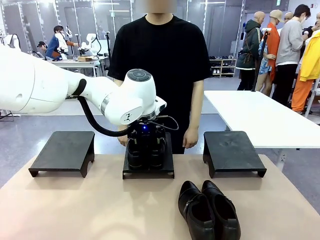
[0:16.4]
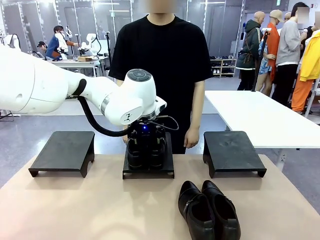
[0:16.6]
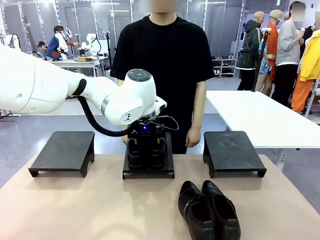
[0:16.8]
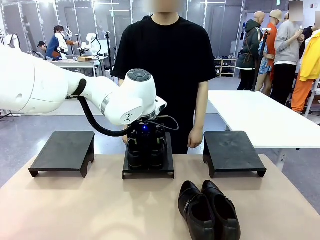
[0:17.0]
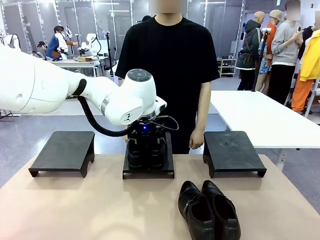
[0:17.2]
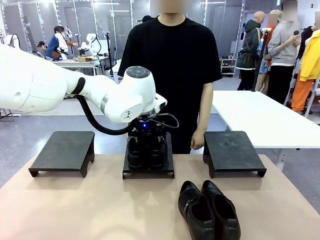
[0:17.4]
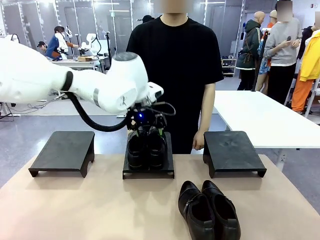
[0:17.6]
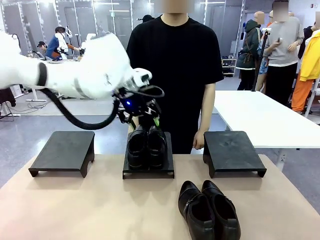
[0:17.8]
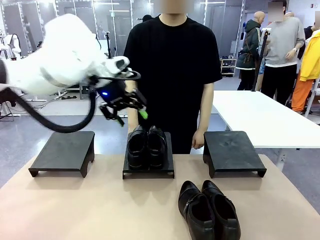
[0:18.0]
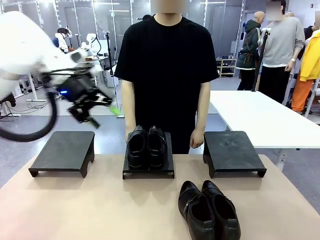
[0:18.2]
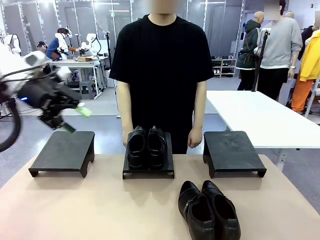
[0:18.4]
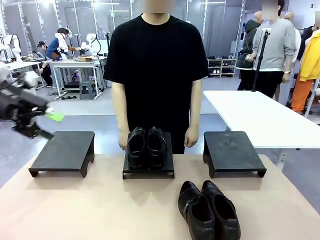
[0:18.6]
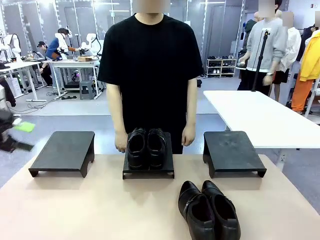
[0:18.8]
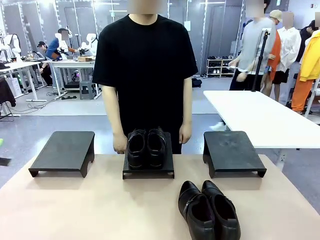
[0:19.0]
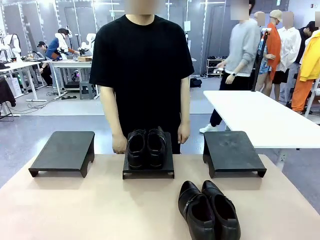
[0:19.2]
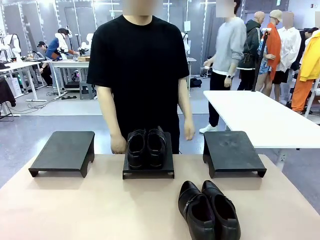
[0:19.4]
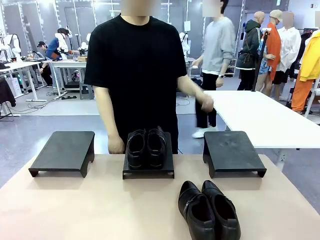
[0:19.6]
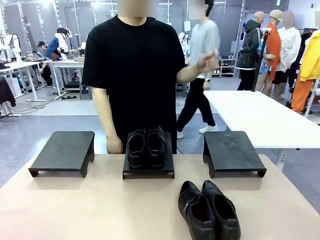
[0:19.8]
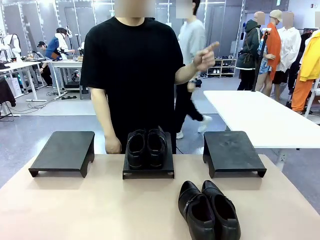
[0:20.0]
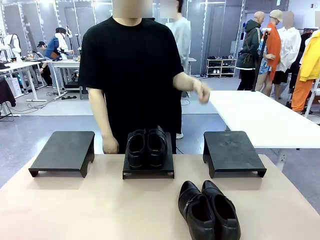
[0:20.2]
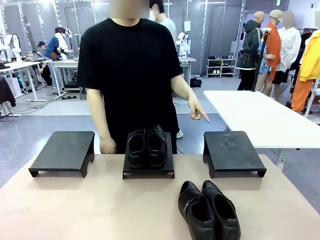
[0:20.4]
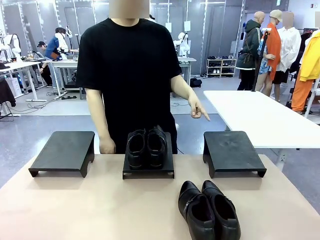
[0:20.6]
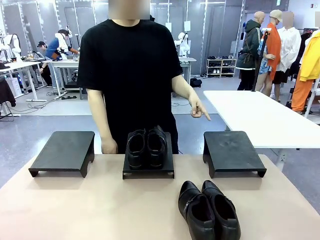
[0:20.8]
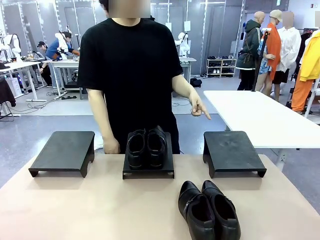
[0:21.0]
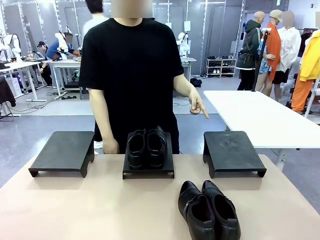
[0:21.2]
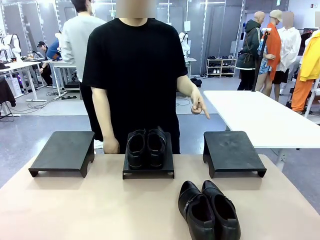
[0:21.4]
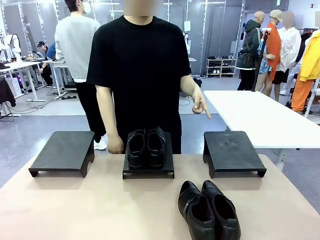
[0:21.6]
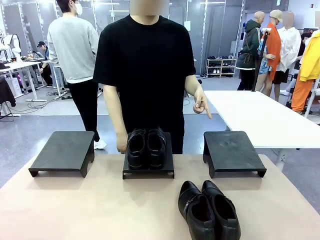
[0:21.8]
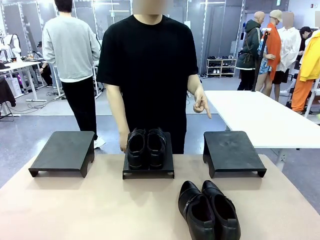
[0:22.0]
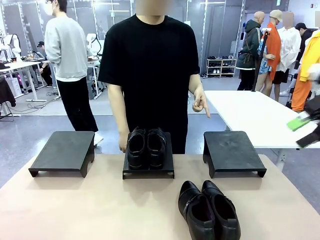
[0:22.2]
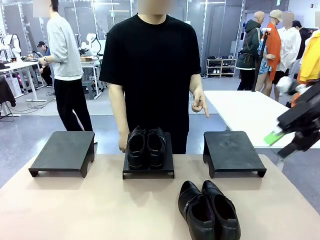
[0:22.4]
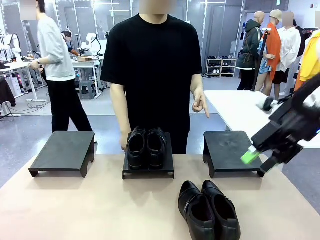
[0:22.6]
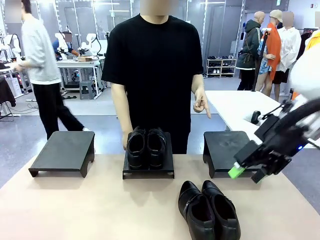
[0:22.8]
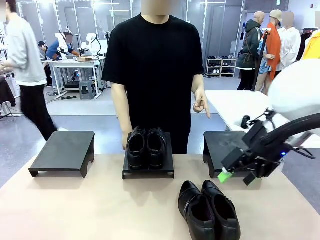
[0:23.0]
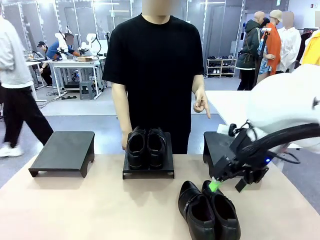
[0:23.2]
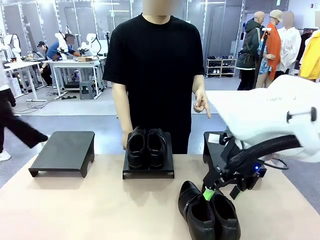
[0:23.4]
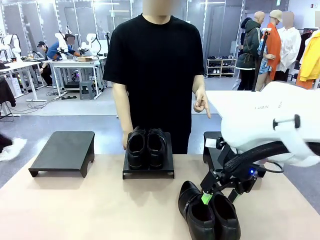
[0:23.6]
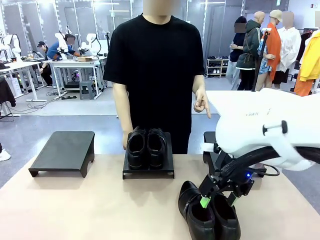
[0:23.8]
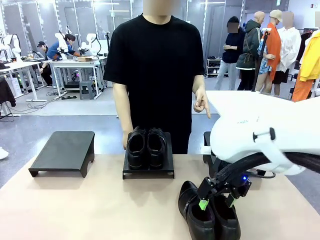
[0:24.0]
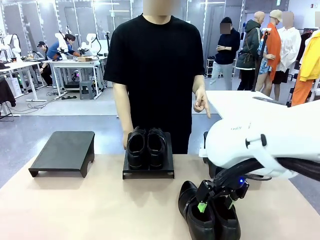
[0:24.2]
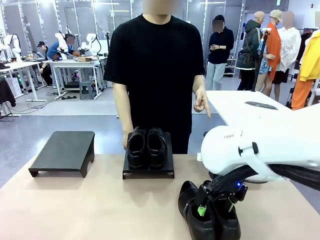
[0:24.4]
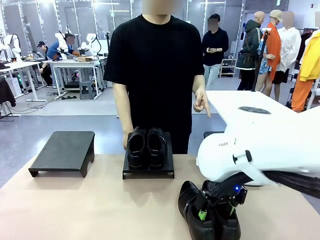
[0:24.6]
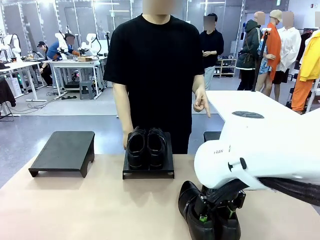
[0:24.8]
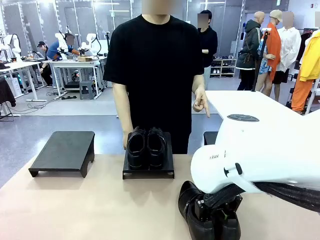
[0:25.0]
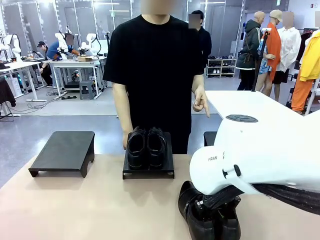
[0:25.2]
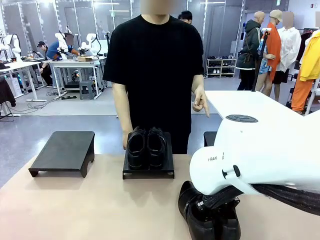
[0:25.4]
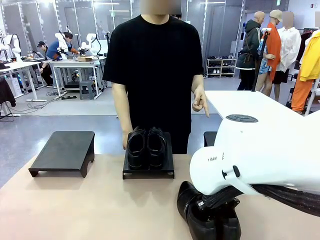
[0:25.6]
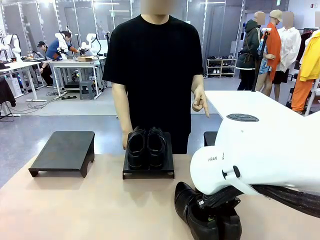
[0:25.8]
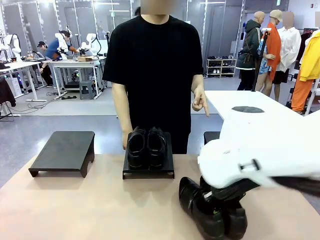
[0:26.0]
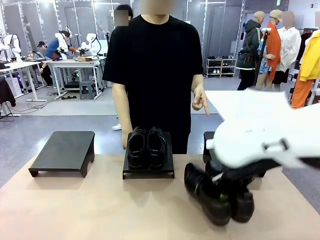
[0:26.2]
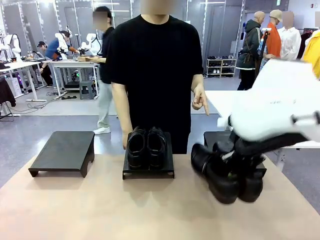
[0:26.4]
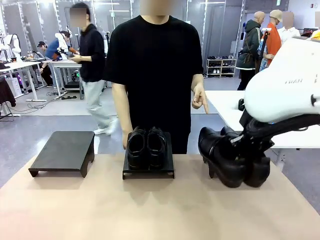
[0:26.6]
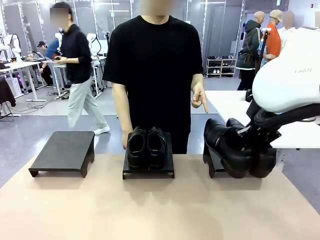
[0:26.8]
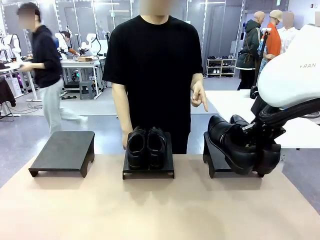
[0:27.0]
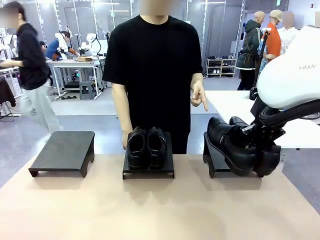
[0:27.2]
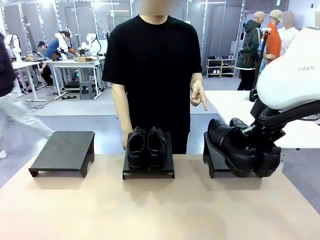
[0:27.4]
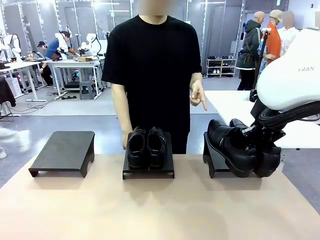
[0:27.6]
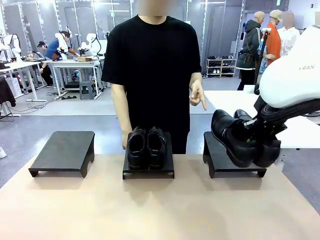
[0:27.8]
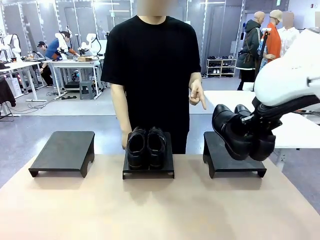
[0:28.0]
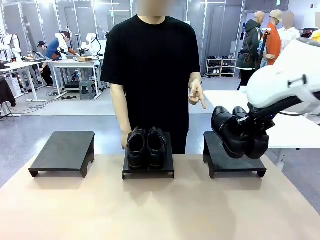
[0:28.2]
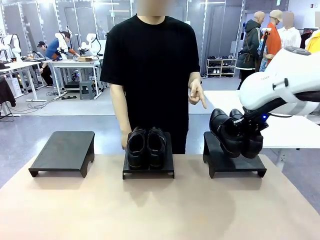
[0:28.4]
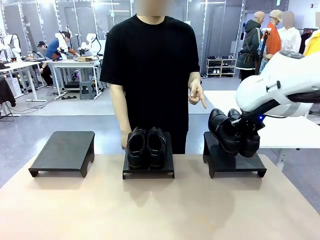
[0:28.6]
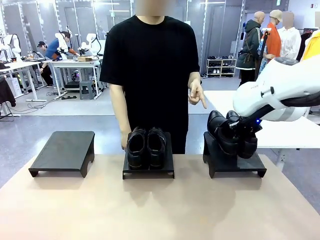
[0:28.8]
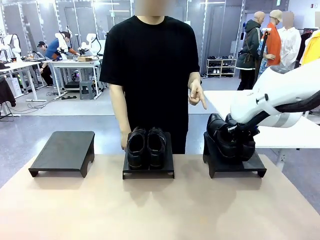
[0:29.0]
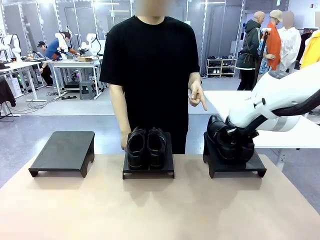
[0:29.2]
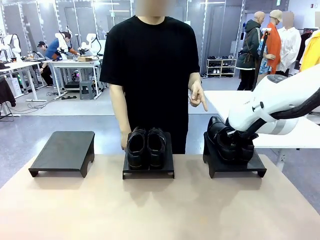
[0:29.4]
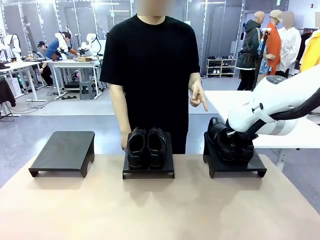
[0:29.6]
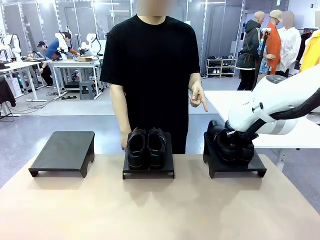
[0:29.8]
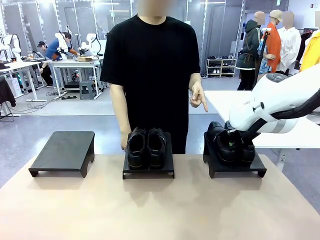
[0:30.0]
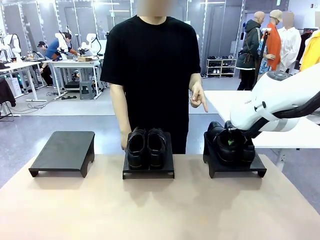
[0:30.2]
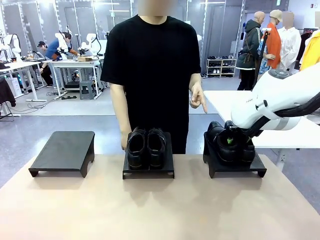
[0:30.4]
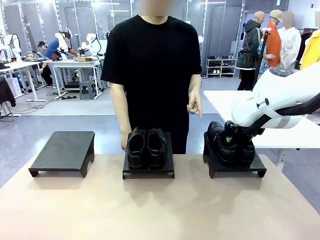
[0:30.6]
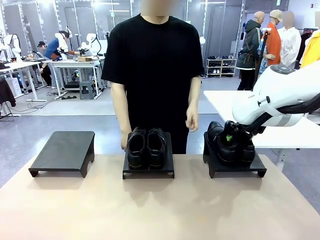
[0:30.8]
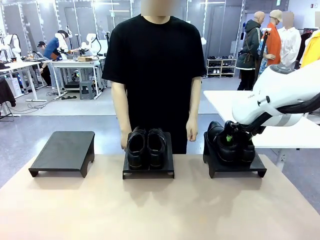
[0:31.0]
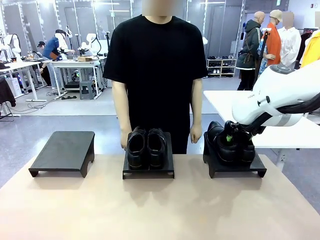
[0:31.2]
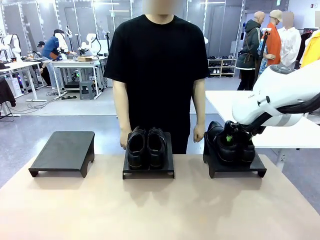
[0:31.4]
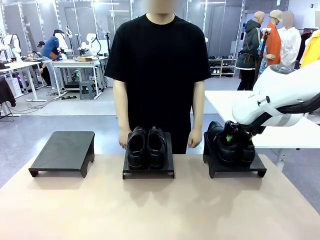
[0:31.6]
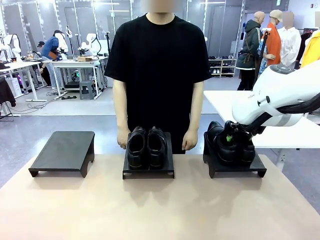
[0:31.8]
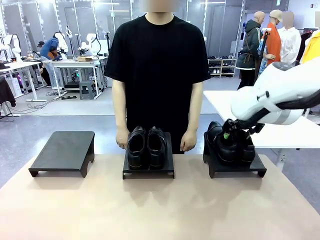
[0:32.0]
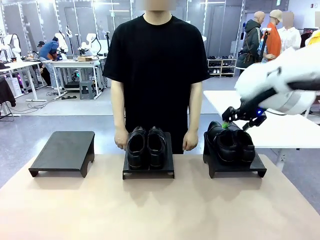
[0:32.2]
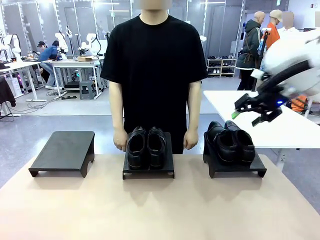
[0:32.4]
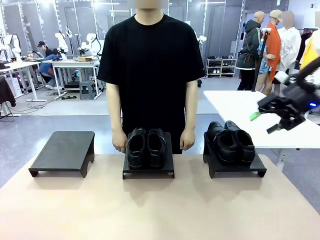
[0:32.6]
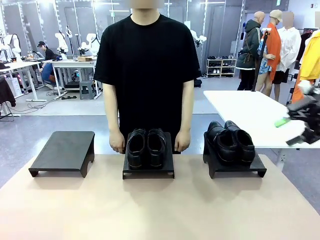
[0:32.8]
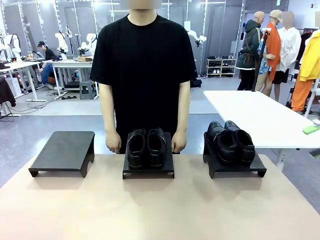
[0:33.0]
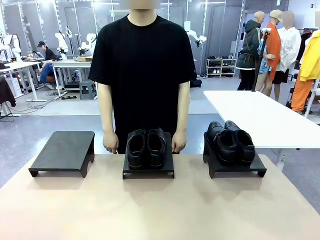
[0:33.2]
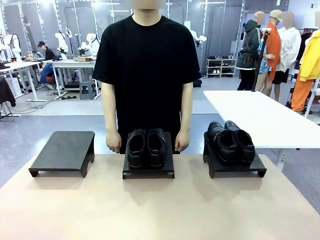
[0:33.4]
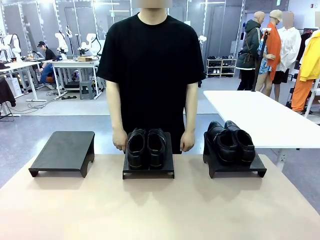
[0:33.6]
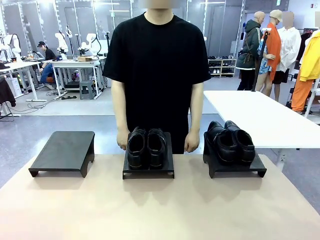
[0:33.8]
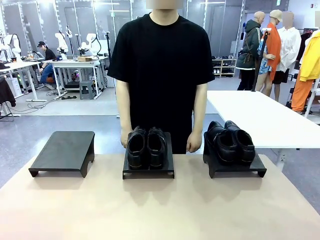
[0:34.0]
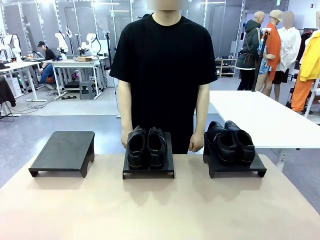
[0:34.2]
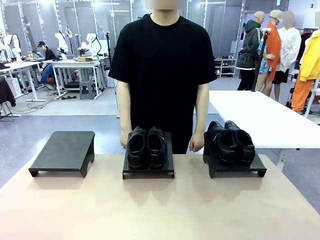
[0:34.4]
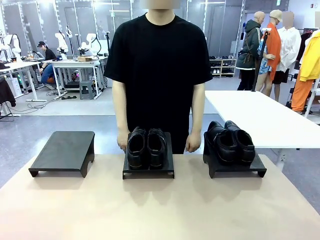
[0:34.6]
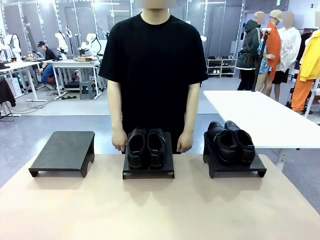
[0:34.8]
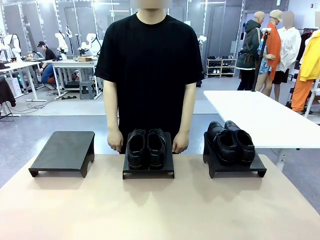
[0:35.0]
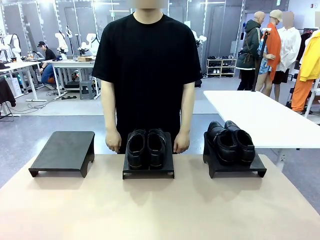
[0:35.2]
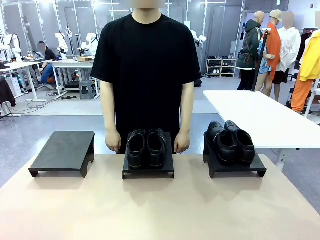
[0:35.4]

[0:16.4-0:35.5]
Task: Place the shoes on the stand as instructed by the person.
Robot: Pick up another pair of Shoes and place it on the Shoes Stand indicated by the person.
Person: Point to one Shoes Stand.
